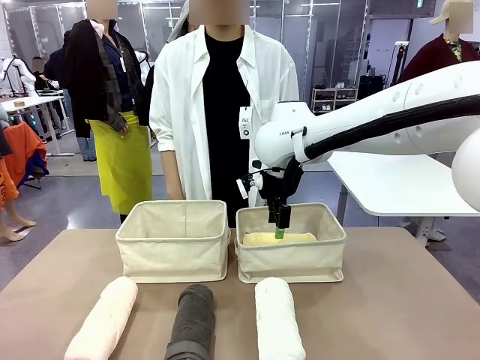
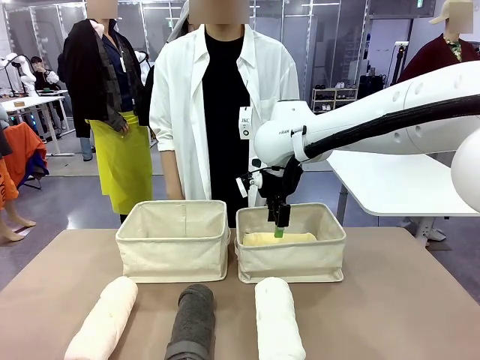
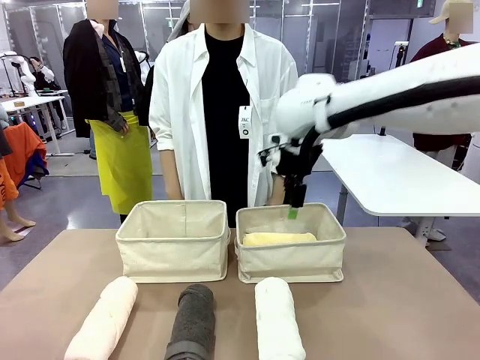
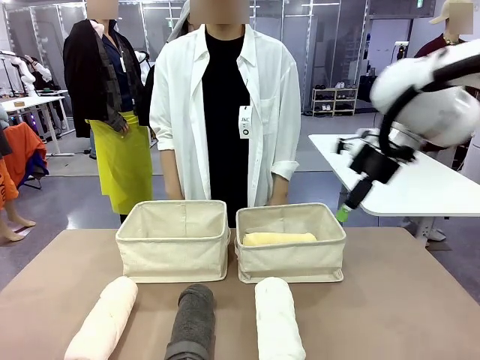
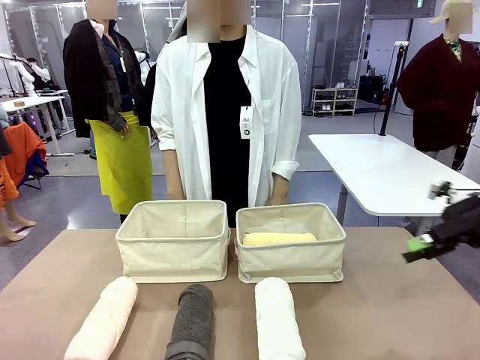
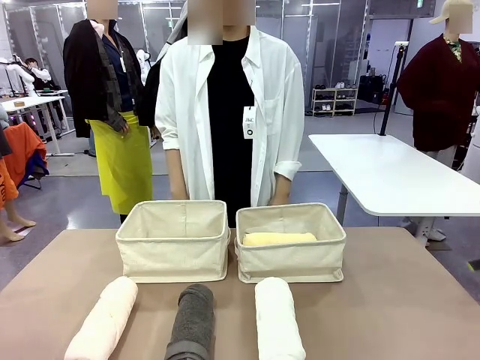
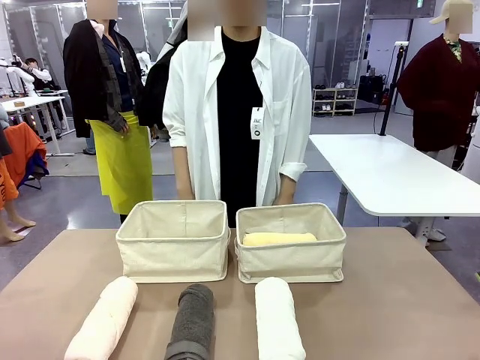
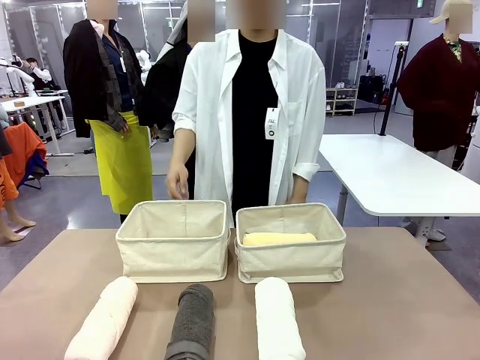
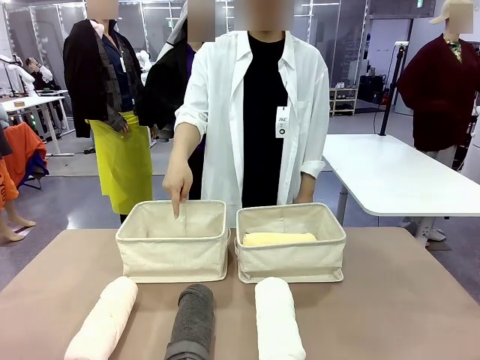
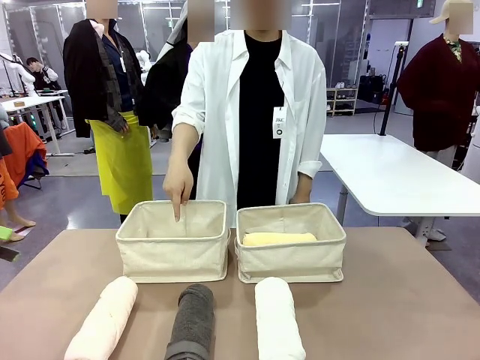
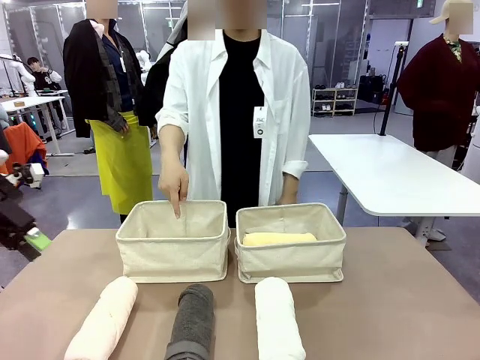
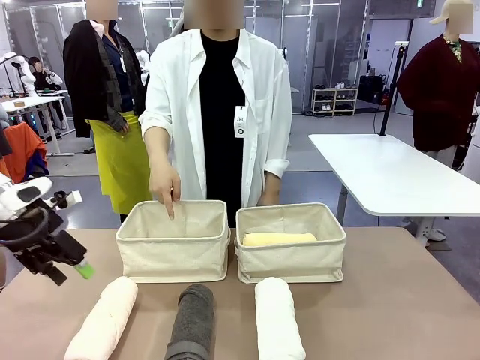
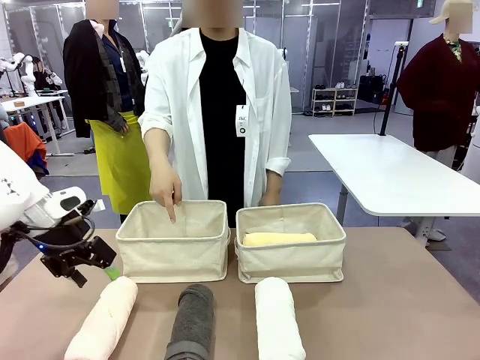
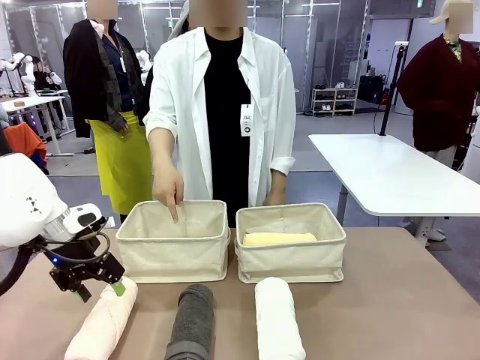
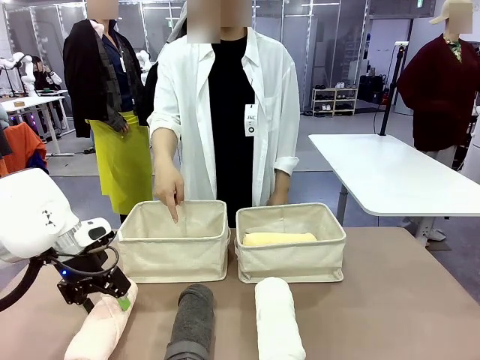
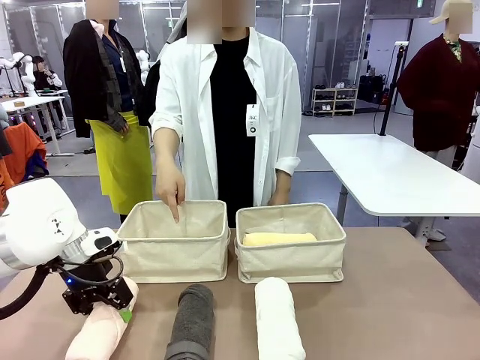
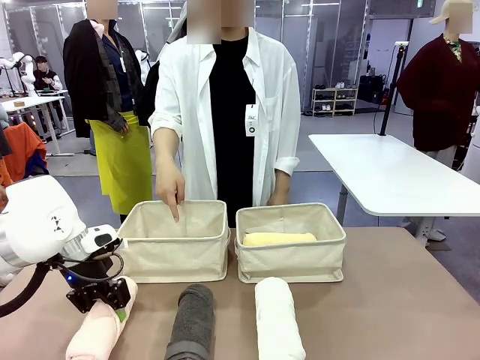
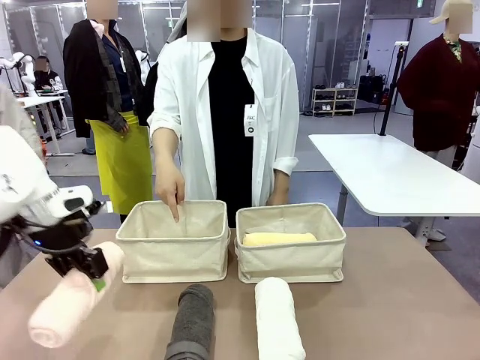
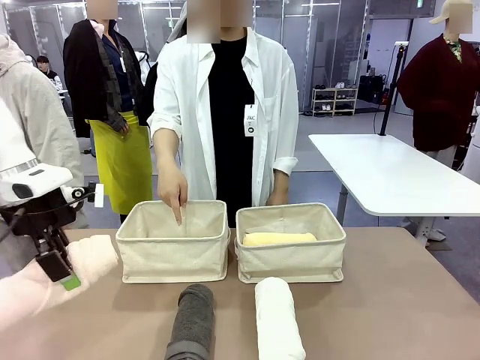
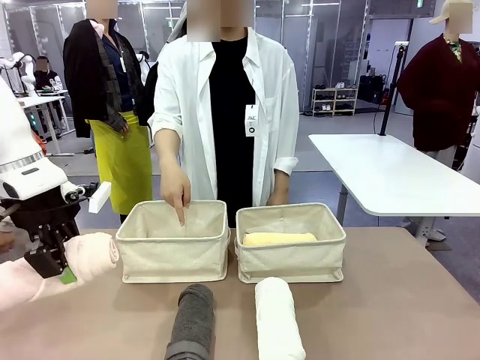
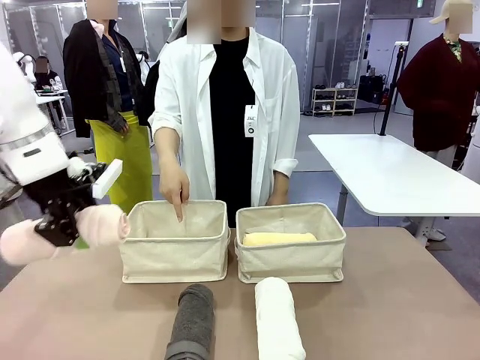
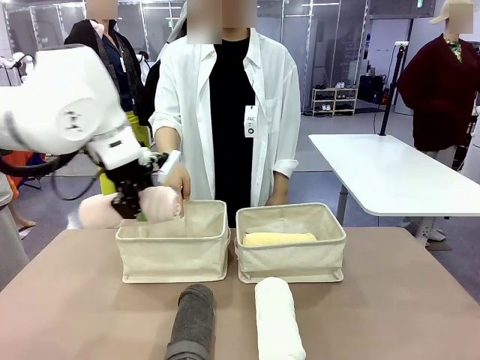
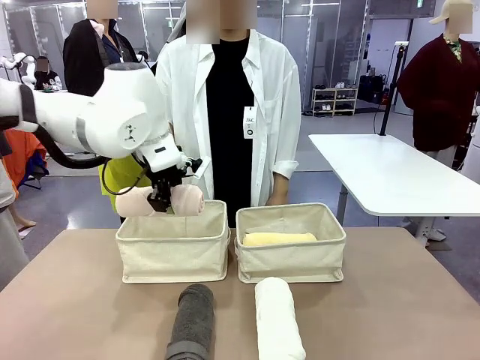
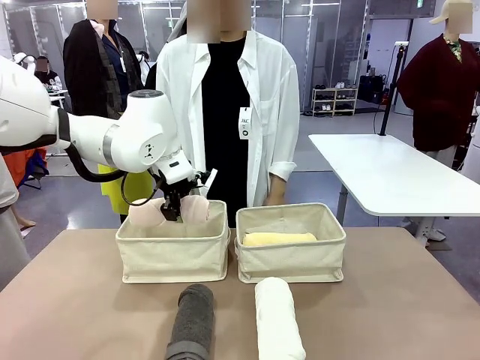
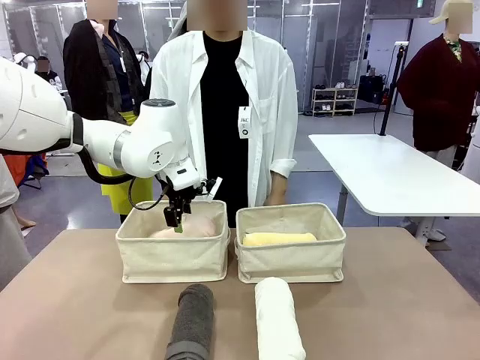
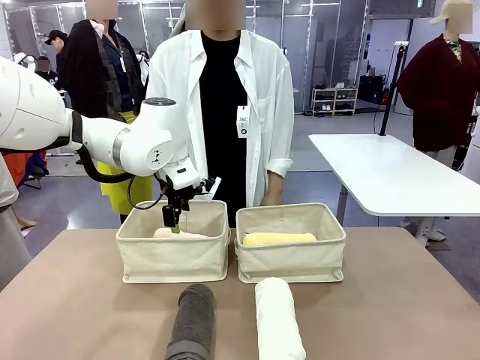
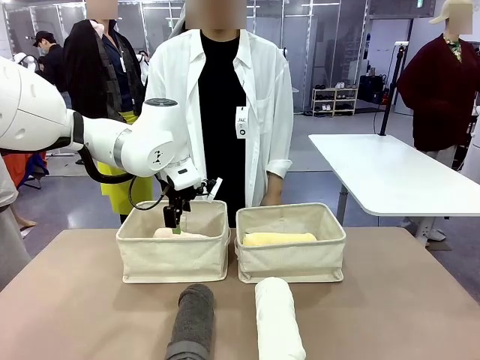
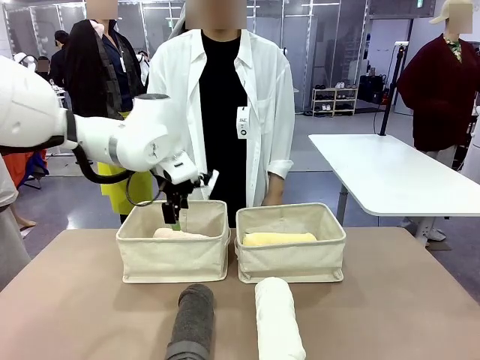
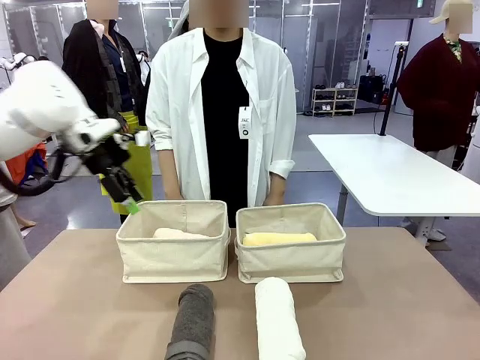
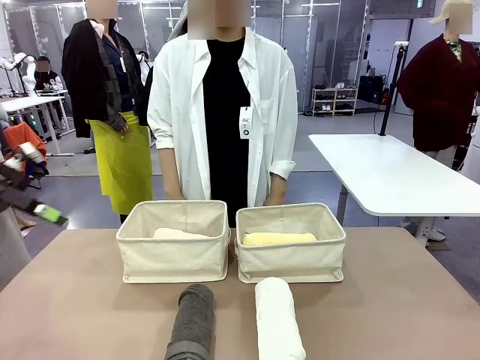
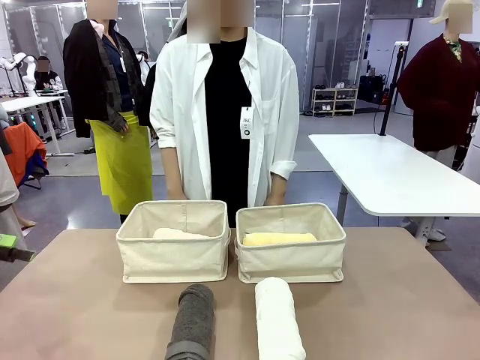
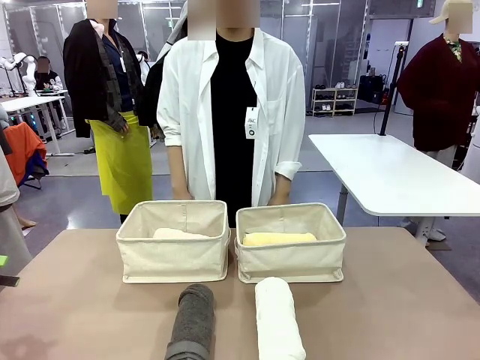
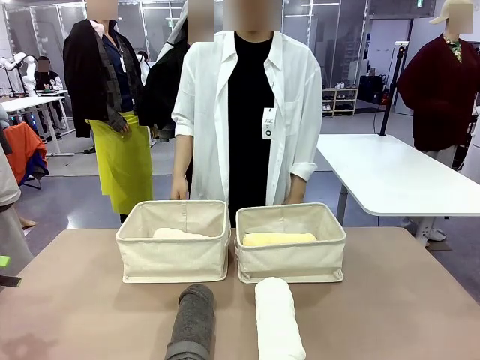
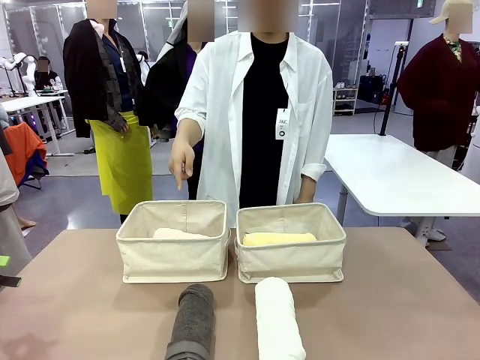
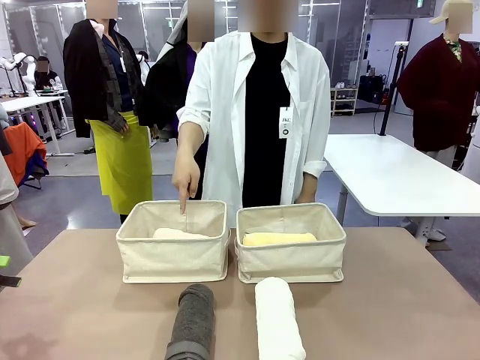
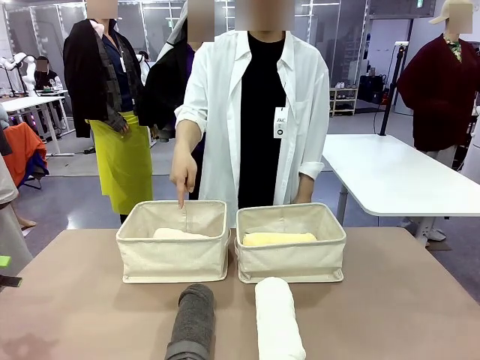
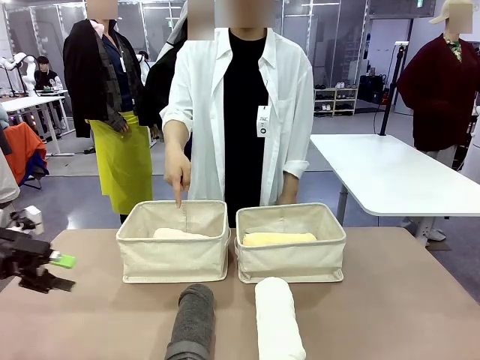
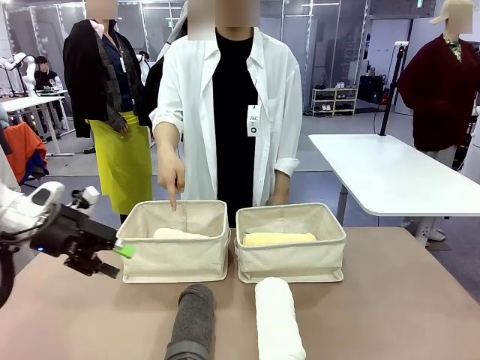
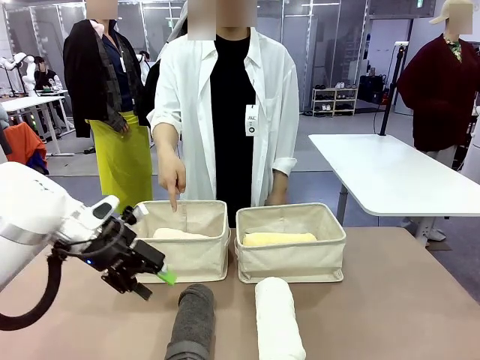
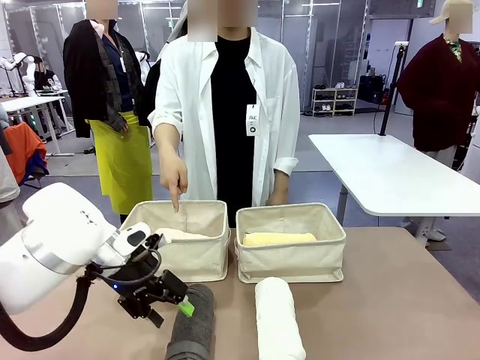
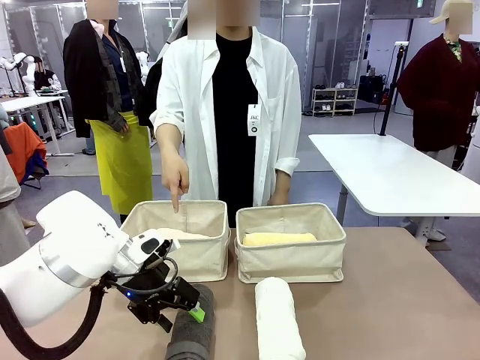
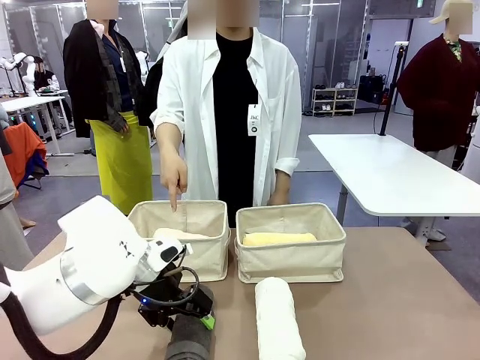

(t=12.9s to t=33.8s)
Task: Divide the towels into two baskets.
Robot: Pick up one hotel-folded towel from the bottom of the table and place it in the Fabric basket indicated by the person.
